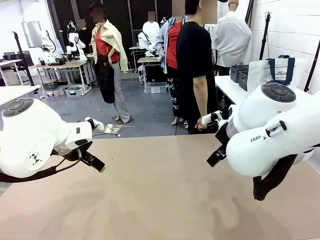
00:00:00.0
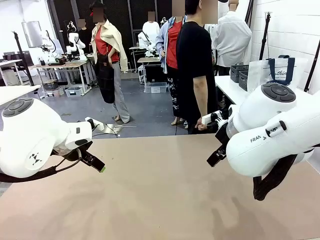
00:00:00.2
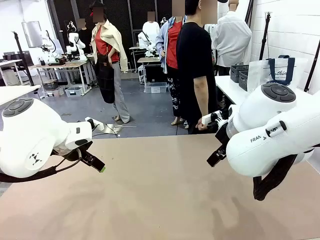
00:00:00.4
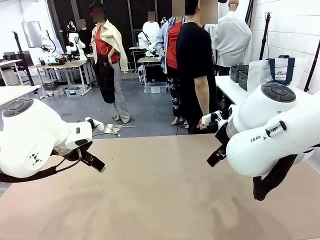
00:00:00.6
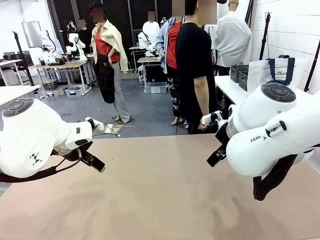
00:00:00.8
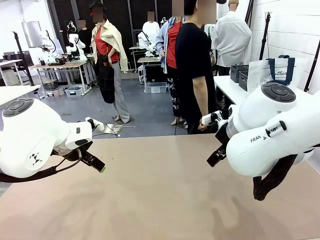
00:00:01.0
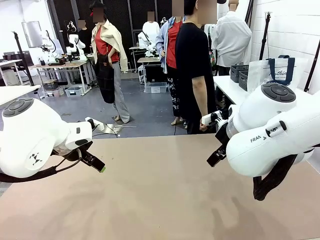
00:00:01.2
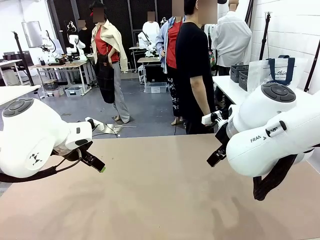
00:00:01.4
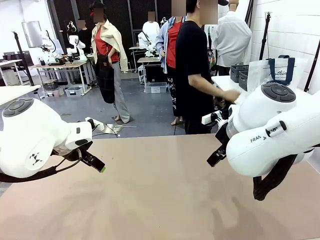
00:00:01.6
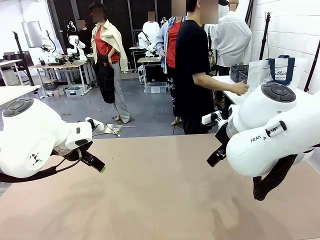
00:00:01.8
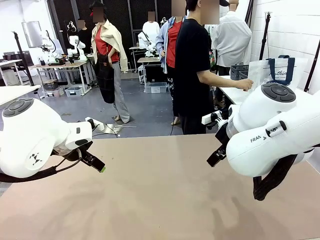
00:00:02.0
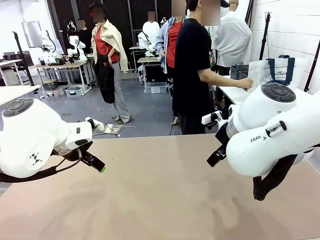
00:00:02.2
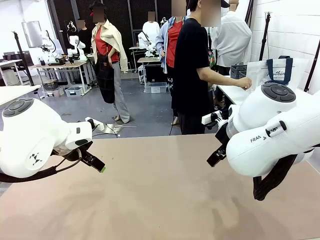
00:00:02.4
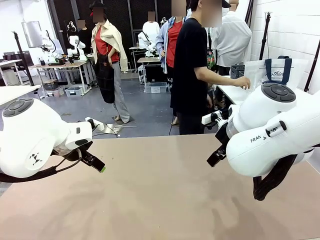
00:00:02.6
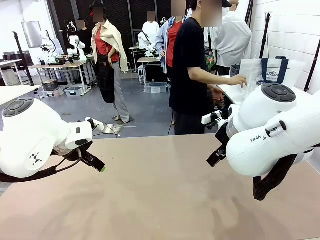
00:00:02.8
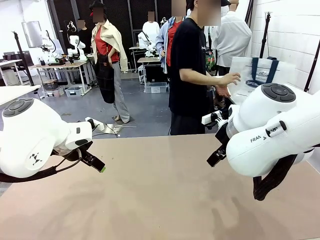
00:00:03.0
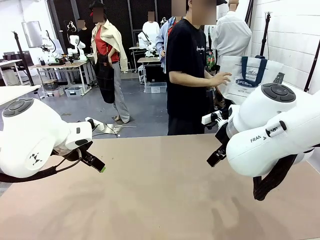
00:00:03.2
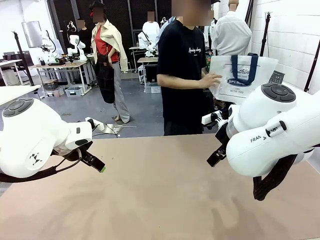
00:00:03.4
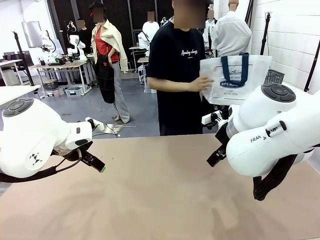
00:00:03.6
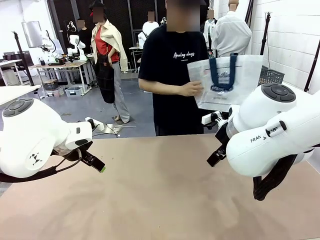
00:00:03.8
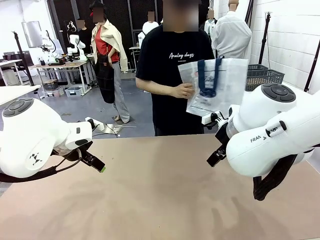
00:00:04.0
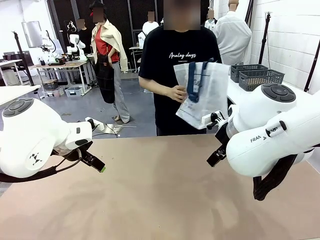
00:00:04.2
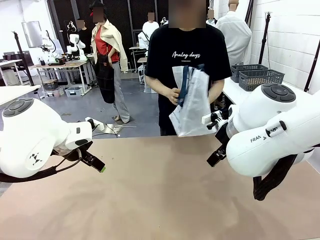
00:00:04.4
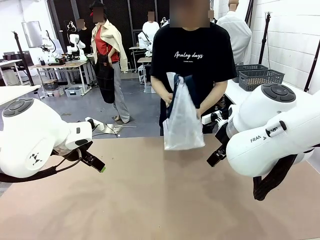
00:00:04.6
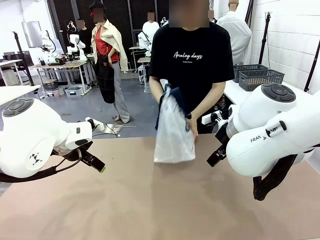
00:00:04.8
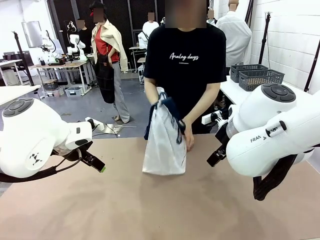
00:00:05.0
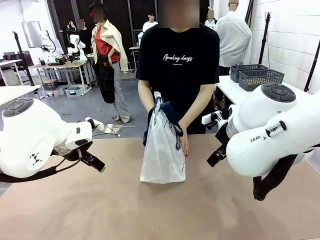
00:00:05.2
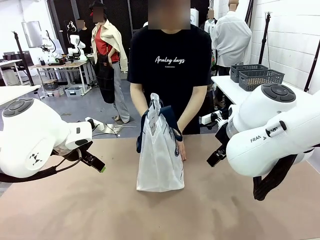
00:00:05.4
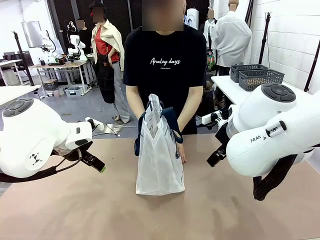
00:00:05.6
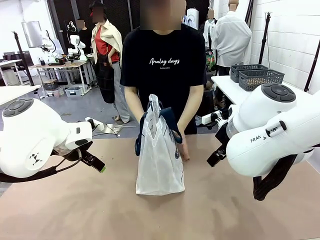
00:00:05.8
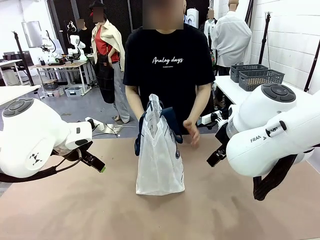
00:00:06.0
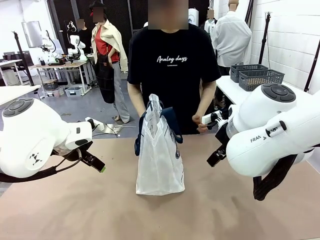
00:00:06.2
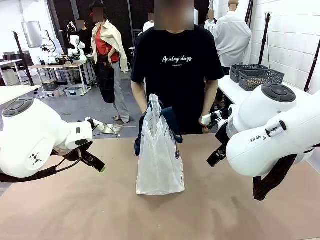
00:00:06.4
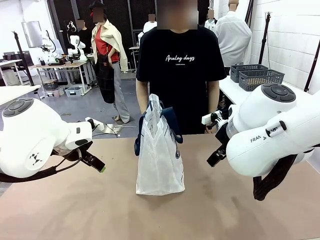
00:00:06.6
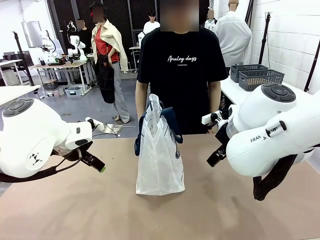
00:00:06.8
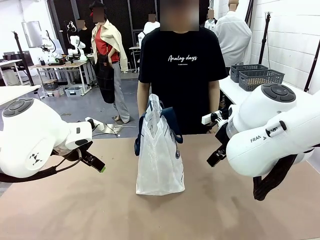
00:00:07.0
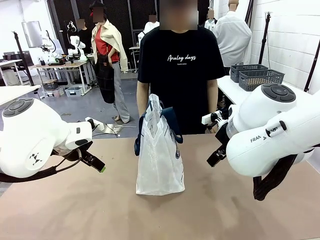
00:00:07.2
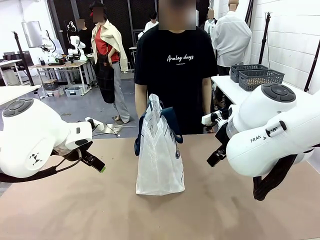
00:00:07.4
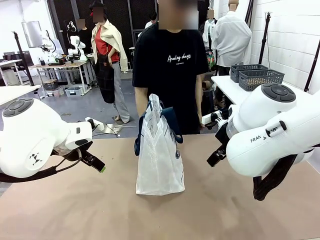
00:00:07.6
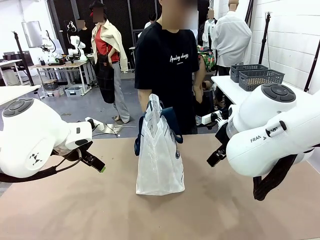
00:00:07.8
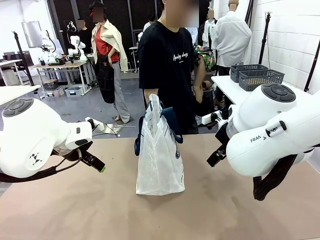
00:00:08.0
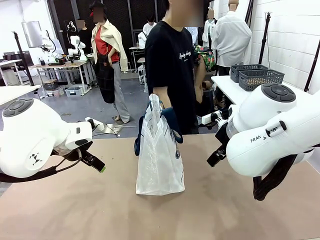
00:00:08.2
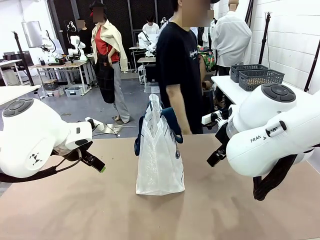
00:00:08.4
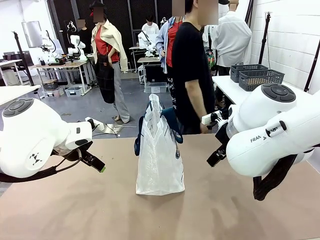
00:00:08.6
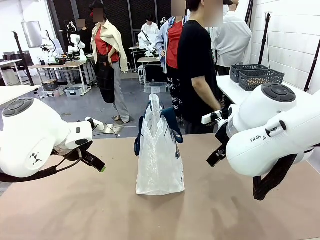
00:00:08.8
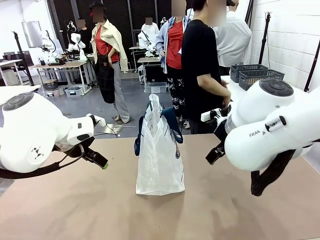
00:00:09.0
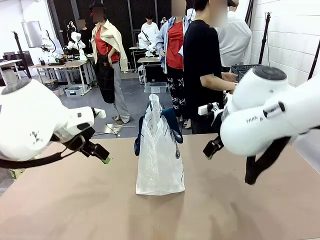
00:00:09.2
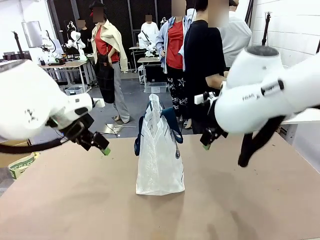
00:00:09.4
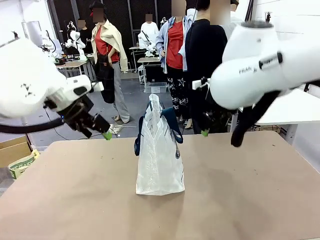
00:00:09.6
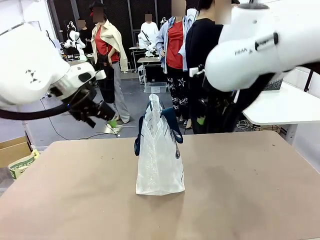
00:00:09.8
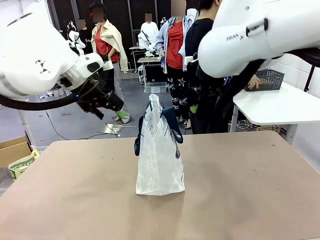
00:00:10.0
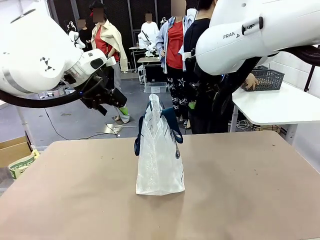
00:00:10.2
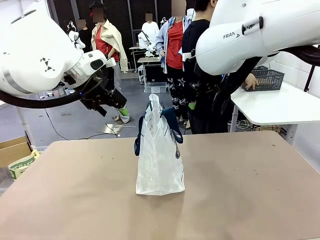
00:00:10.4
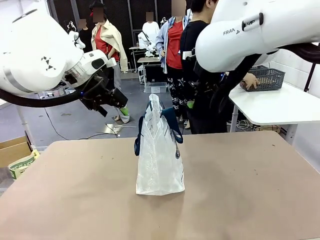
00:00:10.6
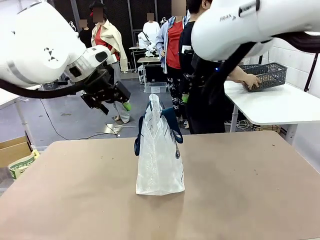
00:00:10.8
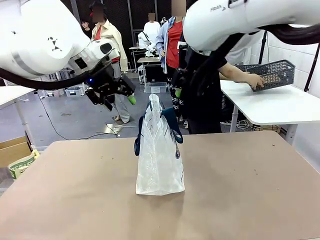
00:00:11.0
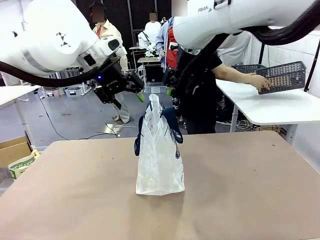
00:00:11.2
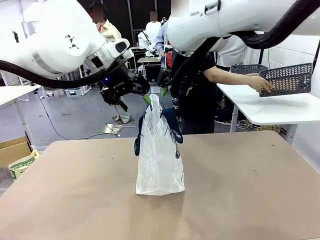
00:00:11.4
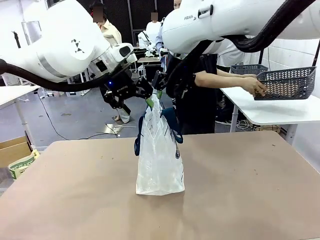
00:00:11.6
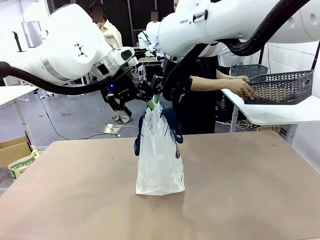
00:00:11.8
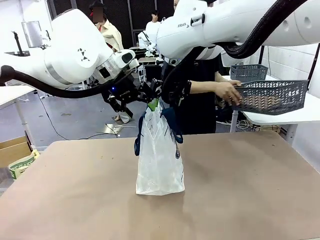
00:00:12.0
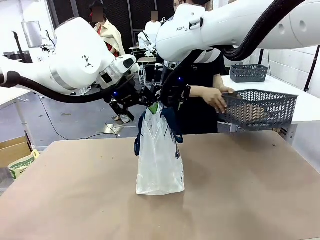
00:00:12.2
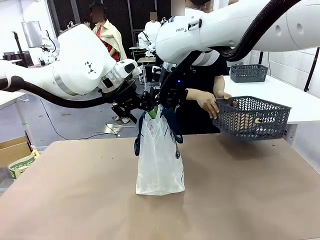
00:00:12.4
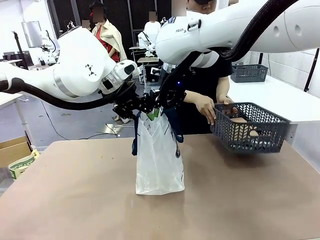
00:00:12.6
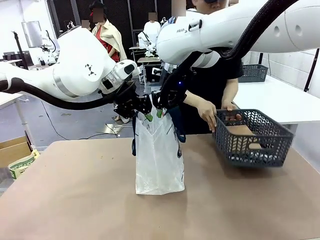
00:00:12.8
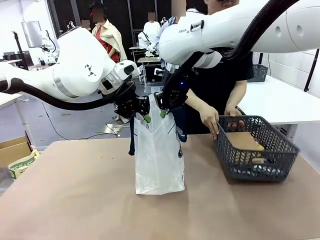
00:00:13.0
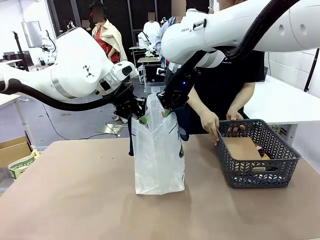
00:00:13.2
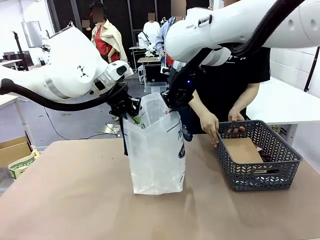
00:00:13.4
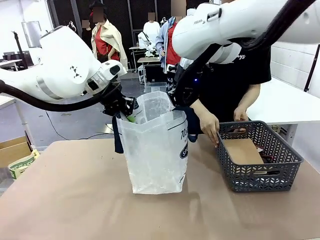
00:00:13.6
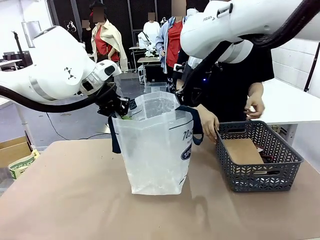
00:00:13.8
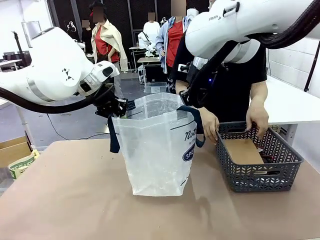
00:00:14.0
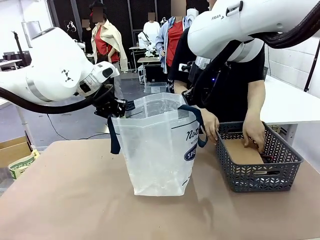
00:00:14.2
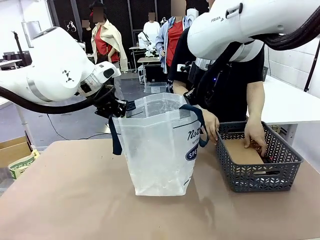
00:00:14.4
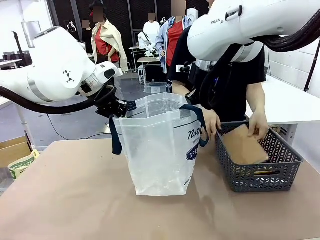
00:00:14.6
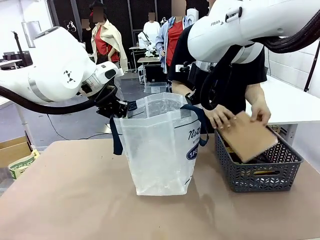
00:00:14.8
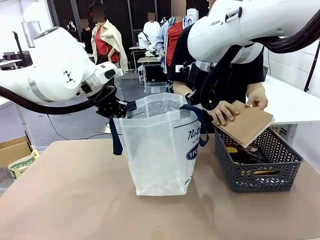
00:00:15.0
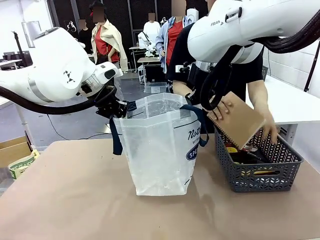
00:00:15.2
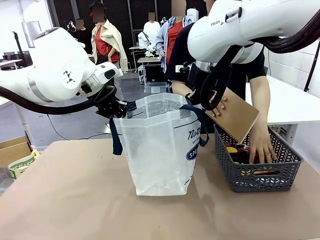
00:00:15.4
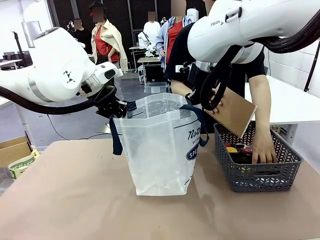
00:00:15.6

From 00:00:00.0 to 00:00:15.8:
Task: Transfer purchased items from the store into the shopping bag.
Robot: Open the Reusable shopping bag in the center of the table.
Person: Pick up the shopping bag and place it in the middle of the robot table.
